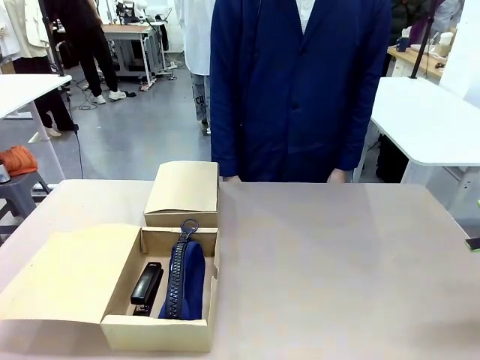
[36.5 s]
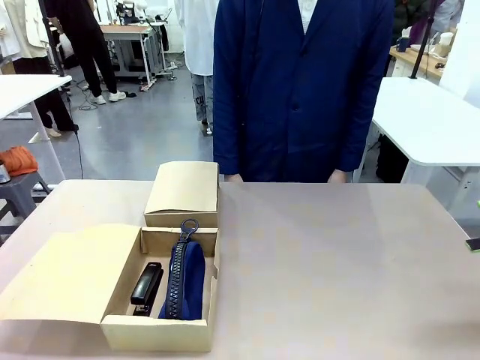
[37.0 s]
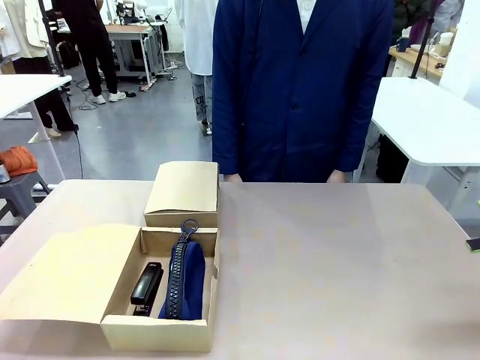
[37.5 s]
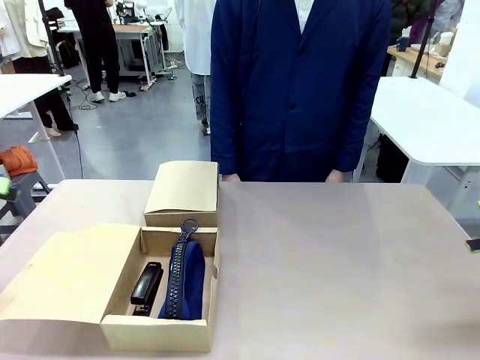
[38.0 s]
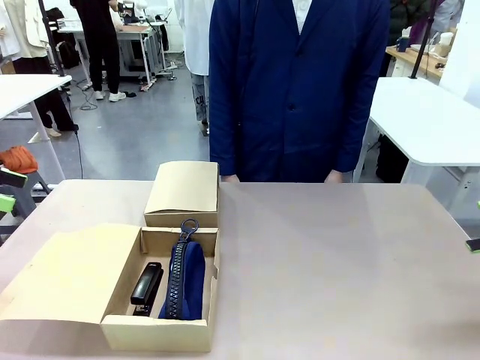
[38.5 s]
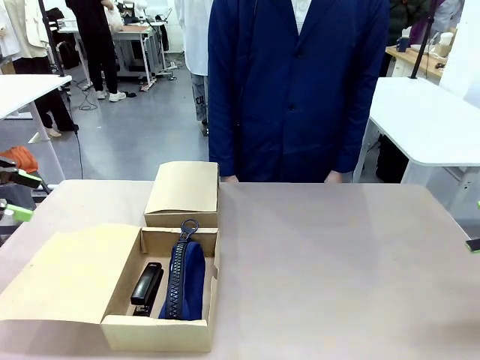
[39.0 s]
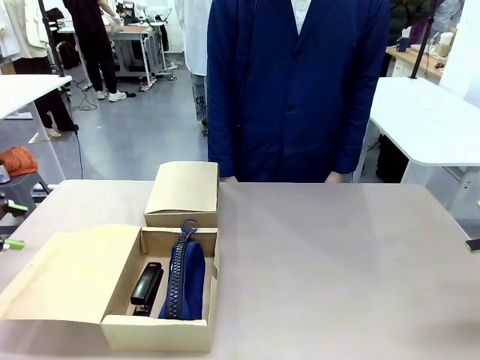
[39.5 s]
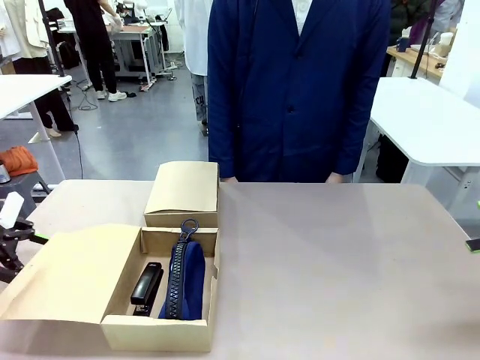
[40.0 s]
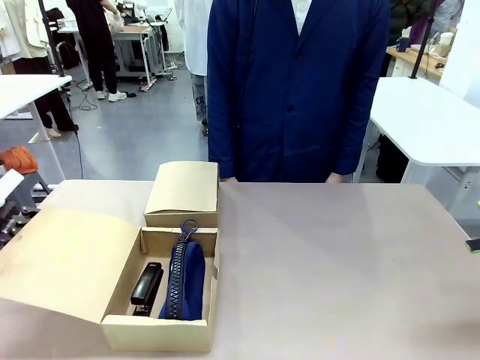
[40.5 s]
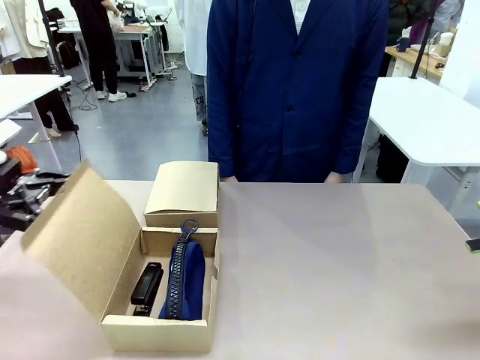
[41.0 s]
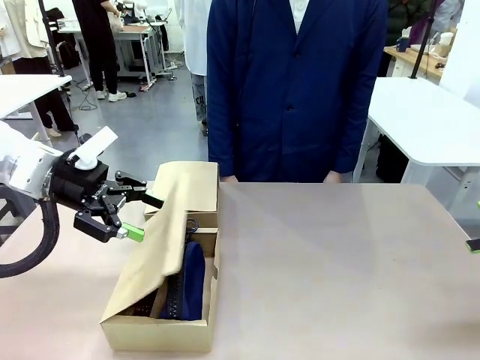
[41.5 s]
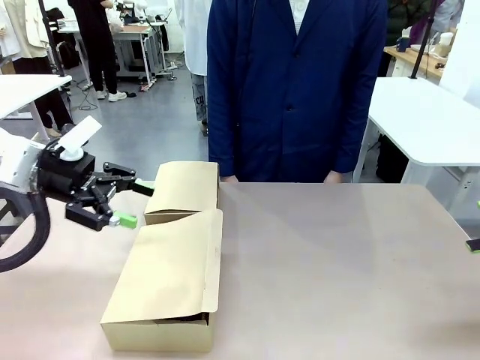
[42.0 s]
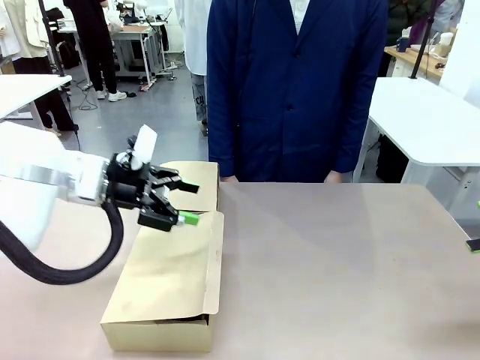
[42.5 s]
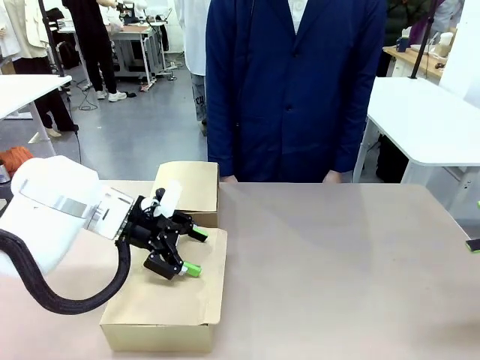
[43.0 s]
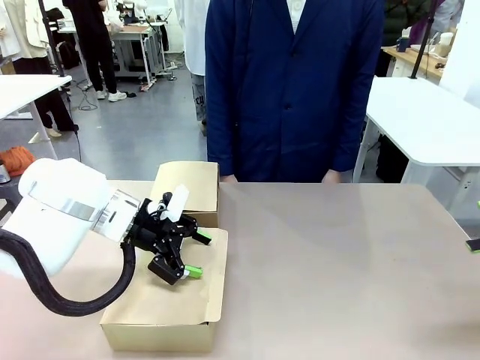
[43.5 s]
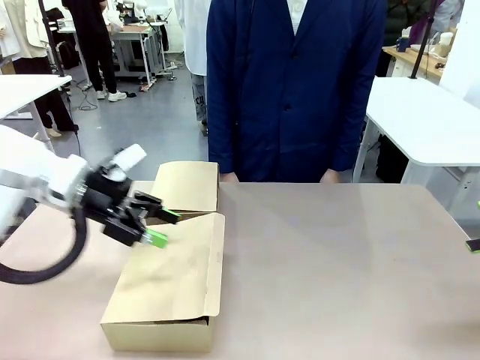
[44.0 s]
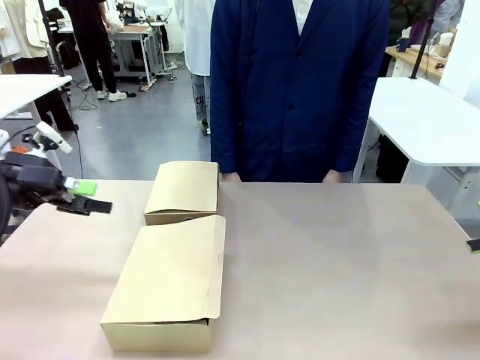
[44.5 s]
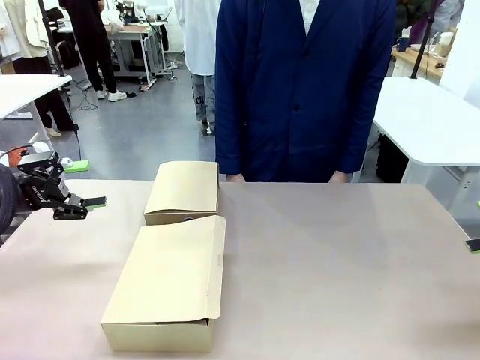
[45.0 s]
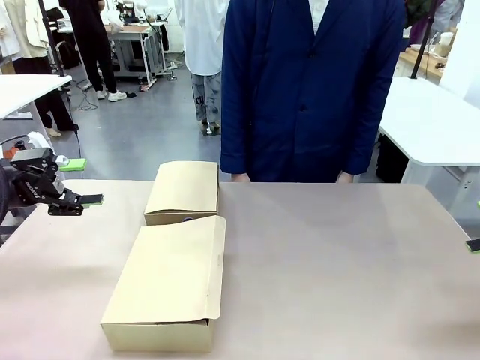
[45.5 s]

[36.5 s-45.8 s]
Task: Place items inside the box.
Robot: Close the lid of the Mailer Box closest to the robot.

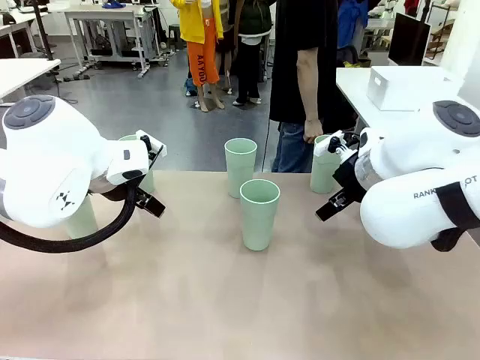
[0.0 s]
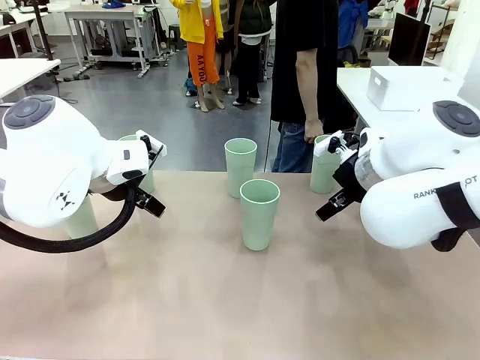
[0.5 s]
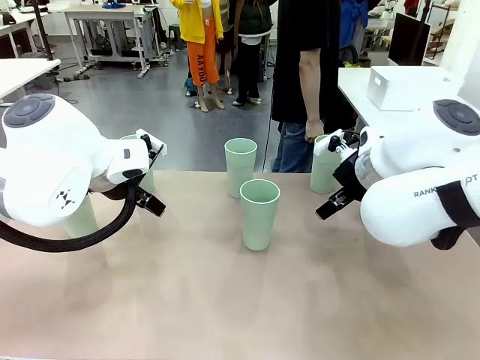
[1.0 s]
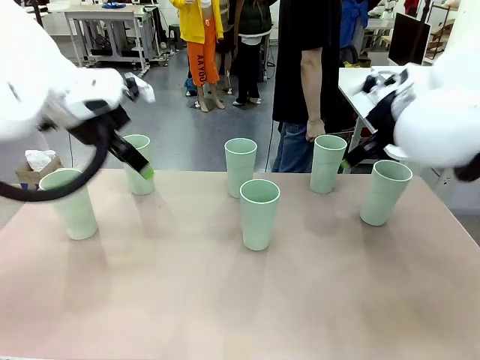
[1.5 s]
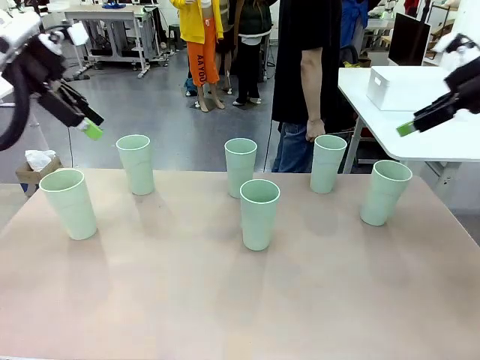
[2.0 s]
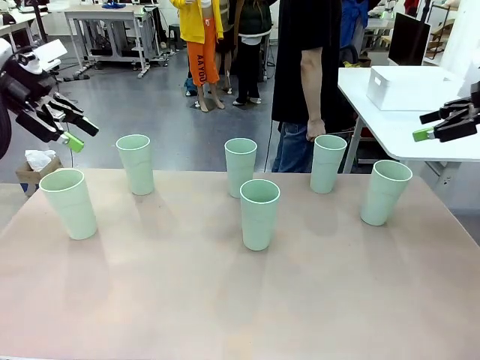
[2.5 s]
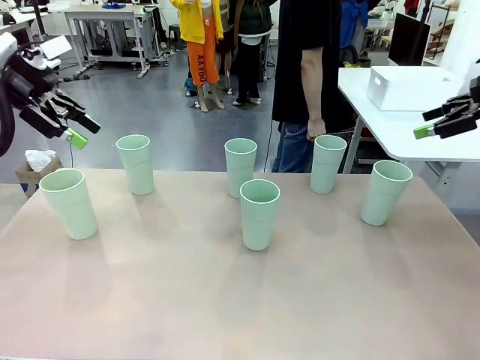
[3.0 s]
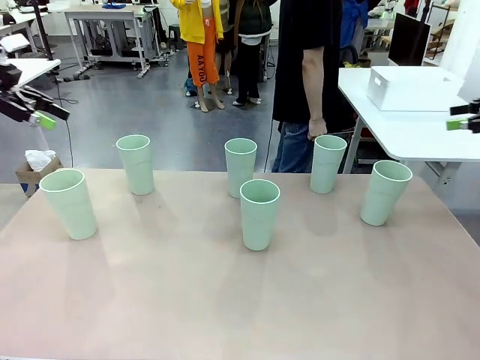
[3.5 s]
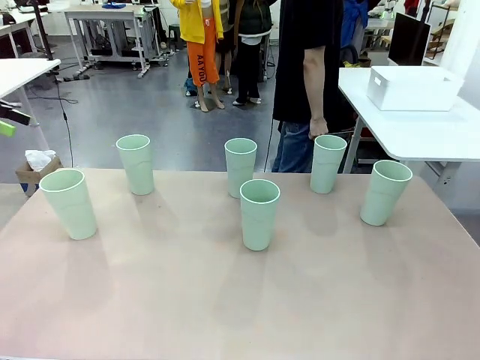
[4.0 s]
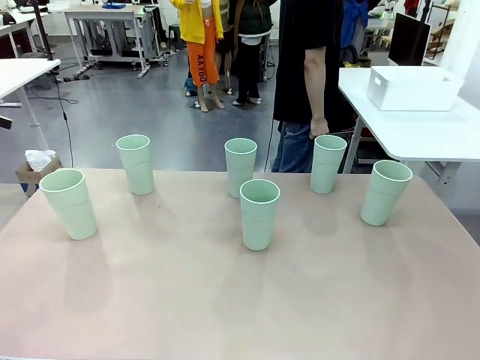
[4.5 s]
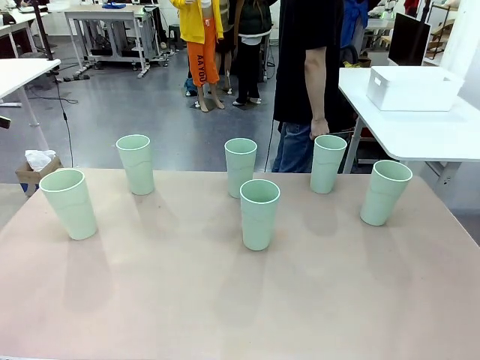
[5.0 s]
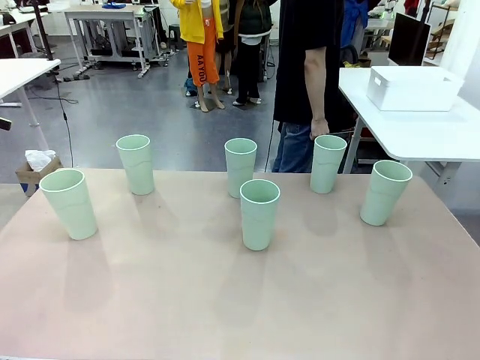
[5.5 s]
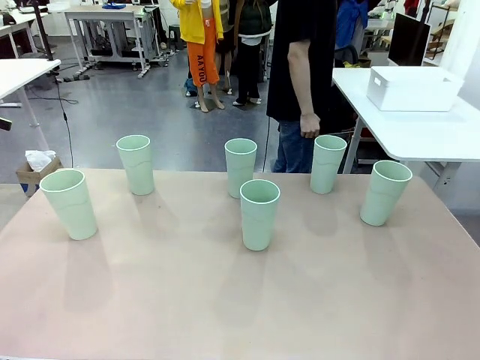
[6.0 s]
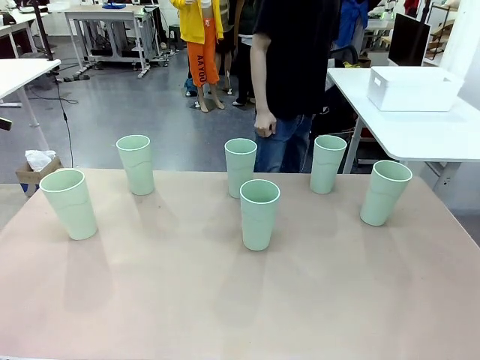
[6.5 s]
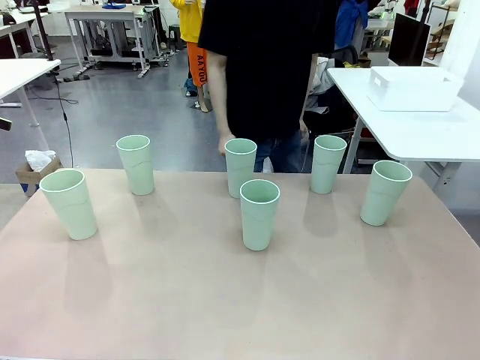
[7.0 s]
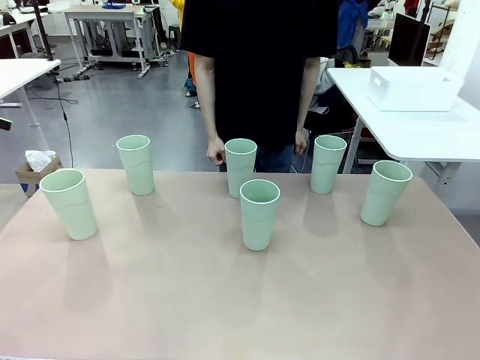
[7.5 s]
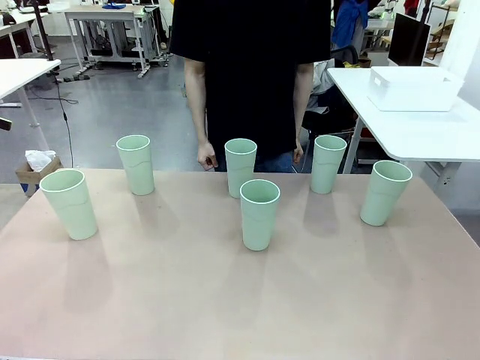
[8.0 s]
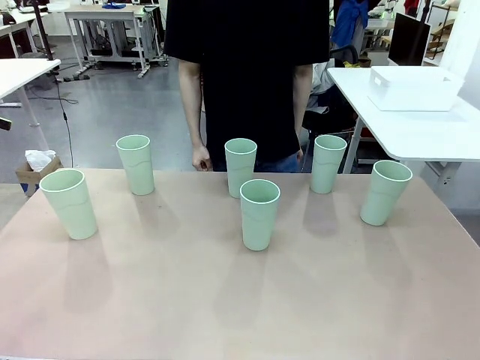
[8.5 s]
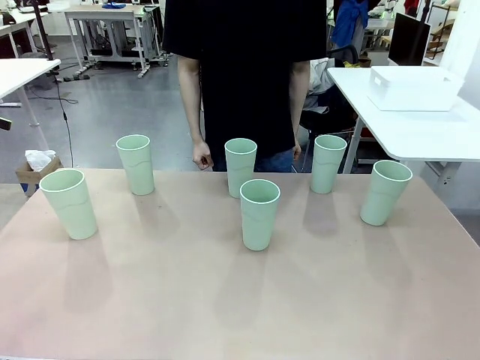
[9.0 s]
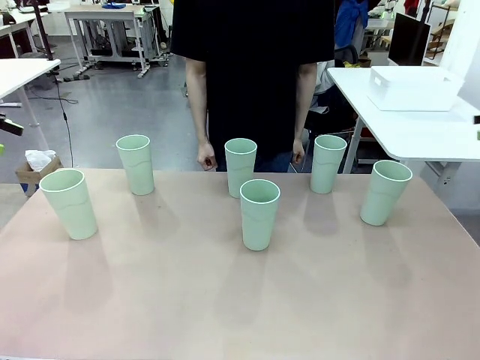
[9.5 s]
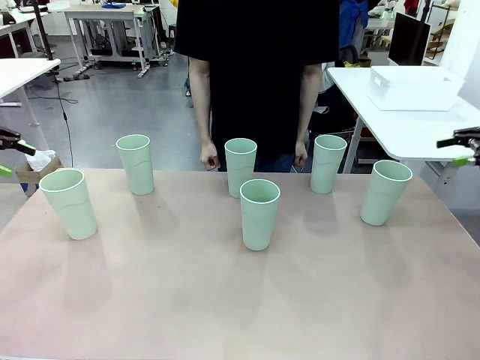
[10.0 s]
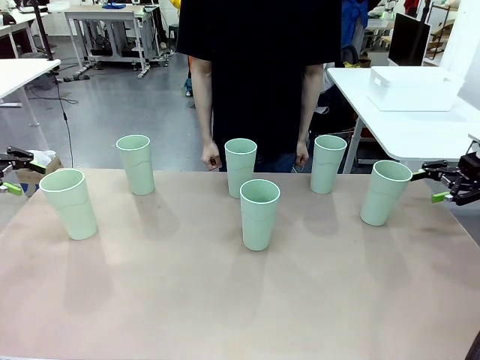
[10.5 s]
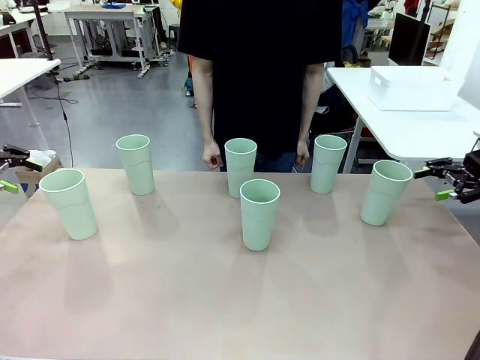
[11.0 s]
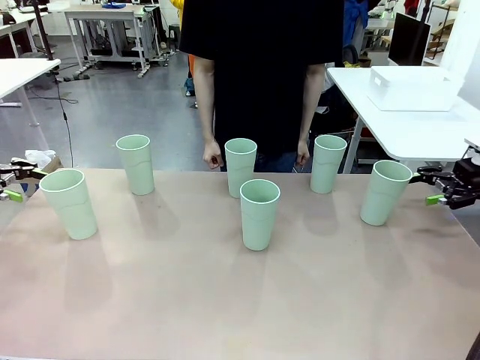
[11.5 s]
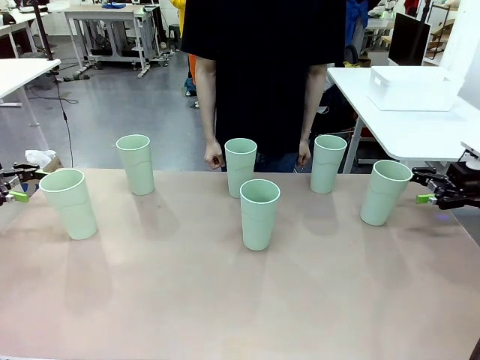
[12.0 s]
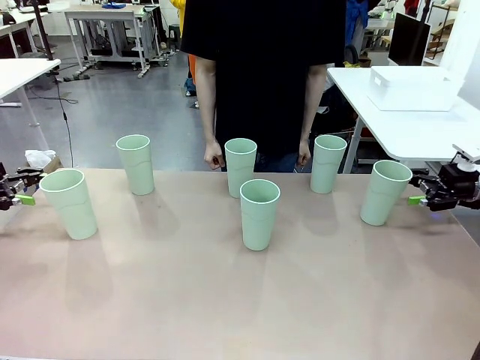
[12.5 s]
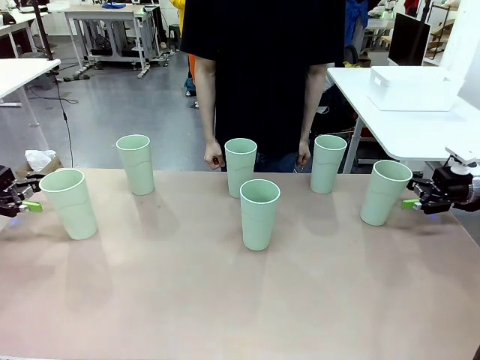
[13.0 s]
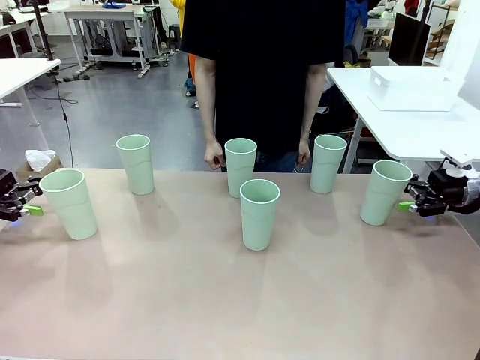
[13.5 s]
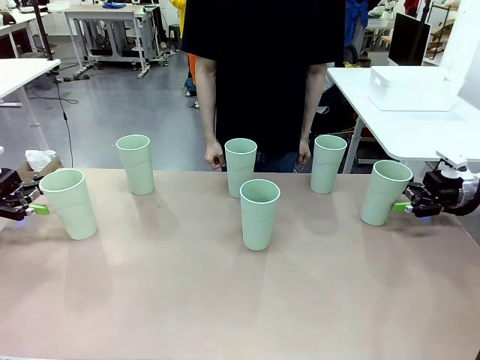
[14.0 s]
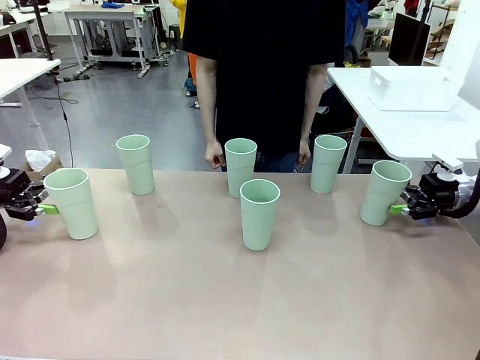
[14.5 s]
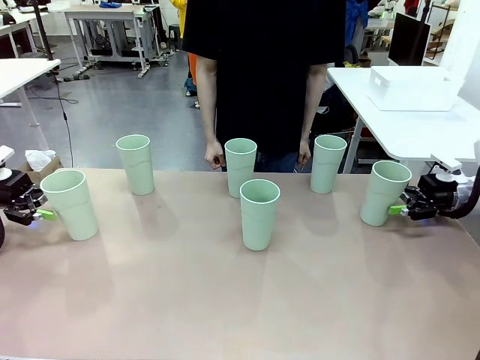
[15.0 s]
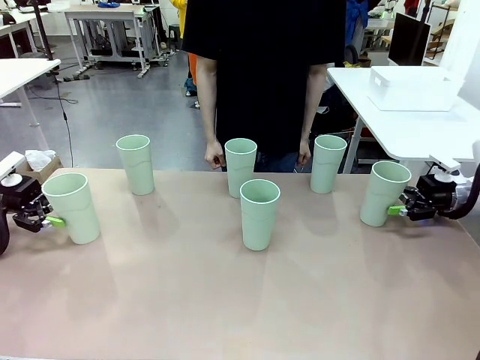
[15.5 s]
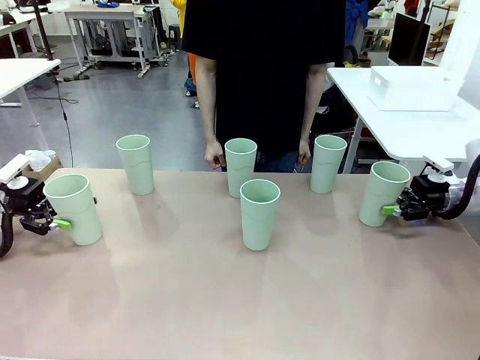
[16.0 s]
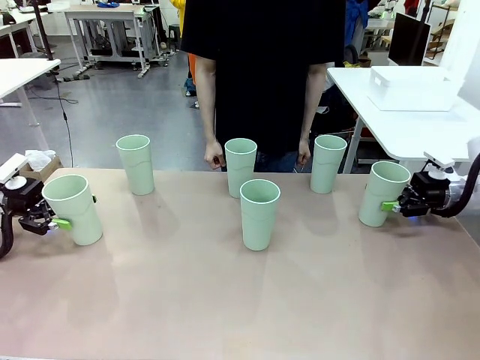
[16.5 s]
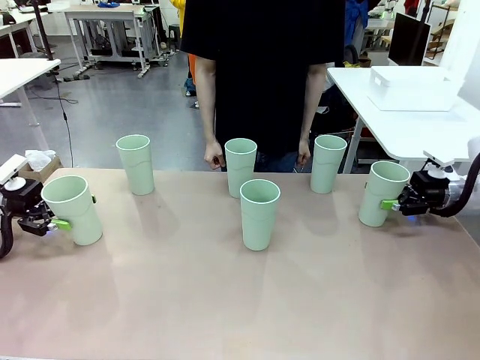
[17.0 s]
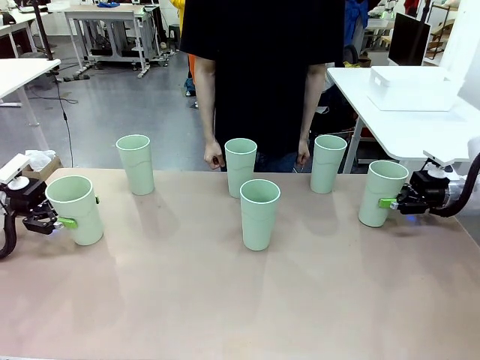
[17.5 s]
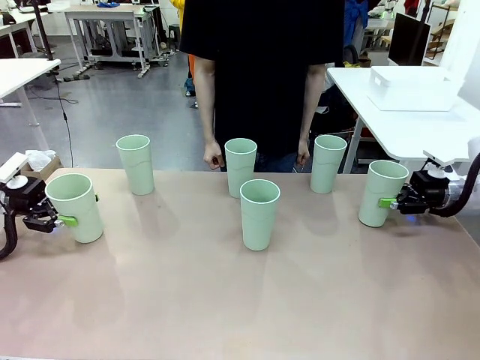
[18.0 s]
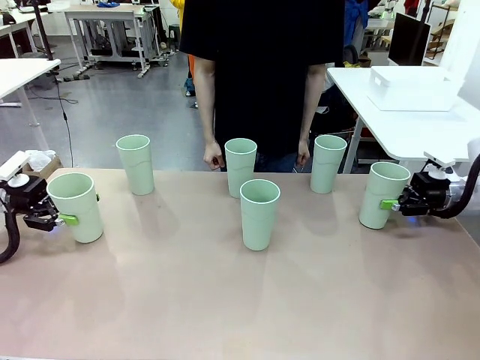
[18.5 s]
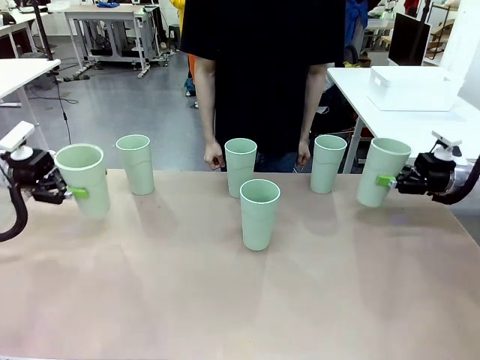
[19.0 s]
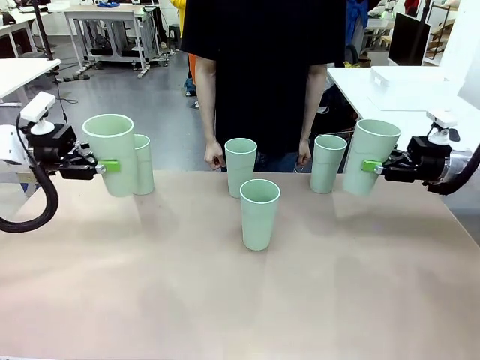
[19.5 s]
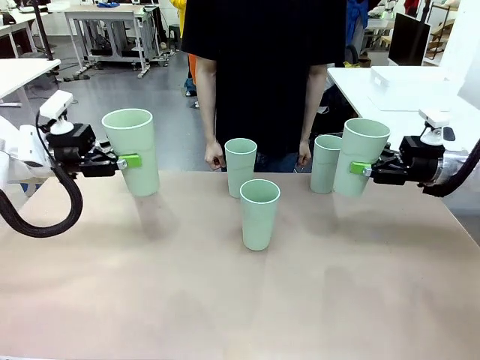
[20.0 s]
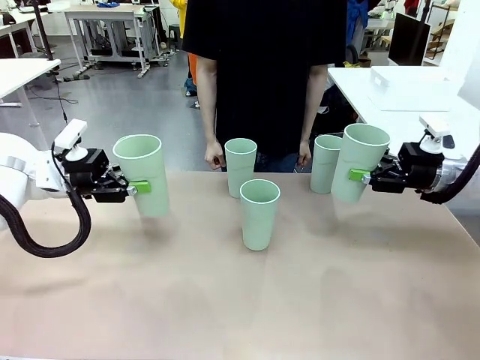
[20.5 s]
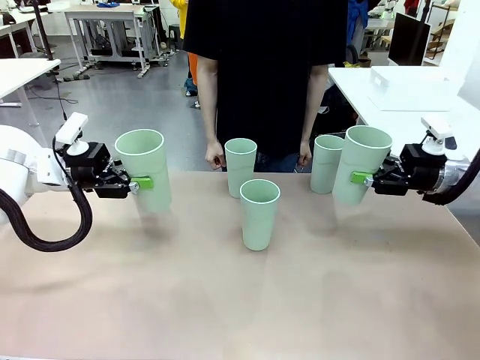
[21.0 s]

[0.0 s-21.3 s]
Task: Stack the cups and store them in the basket.
Robot: Pick up two Reusable plastic cups , one in each hand.
Person: Move from the Human Table to the front of the Robot Table. Stack two of the remaining cups on top of each cup held by the robot.
